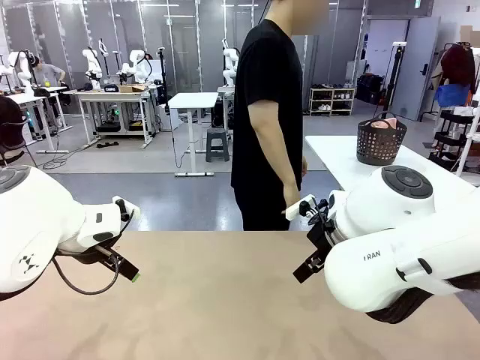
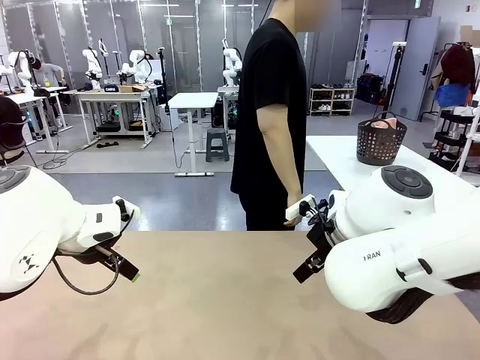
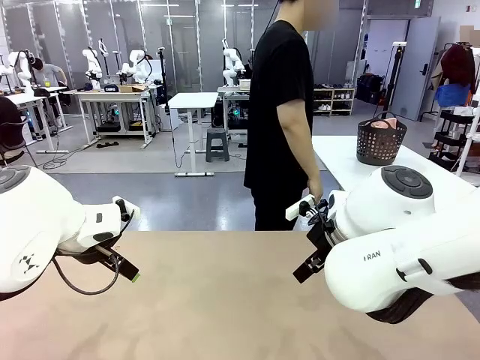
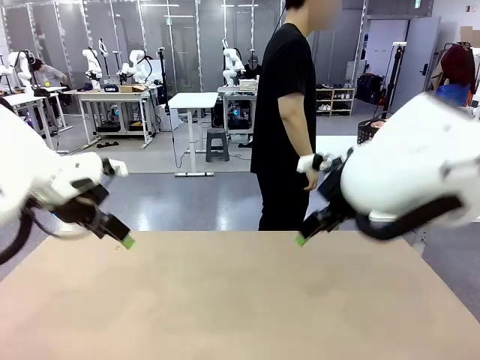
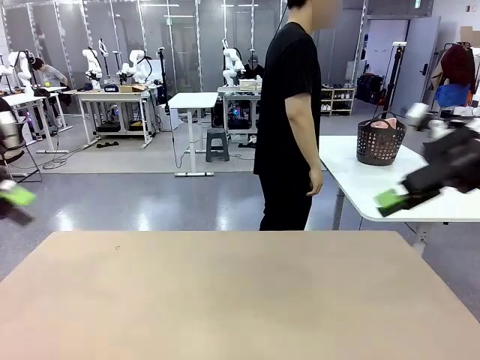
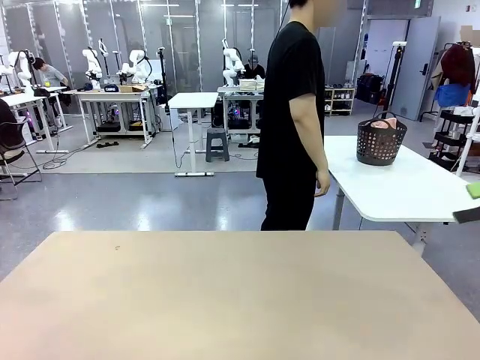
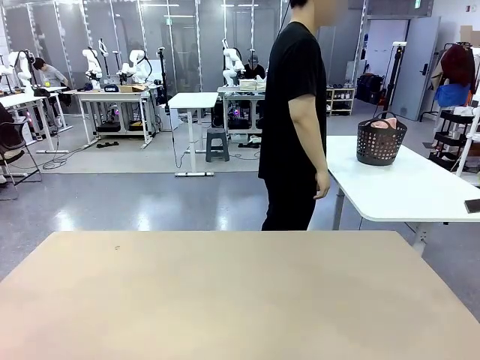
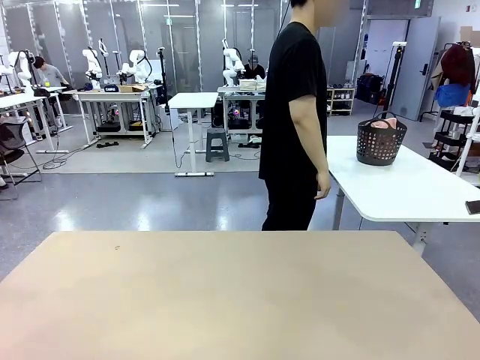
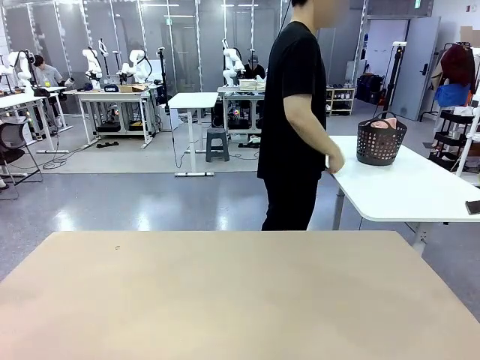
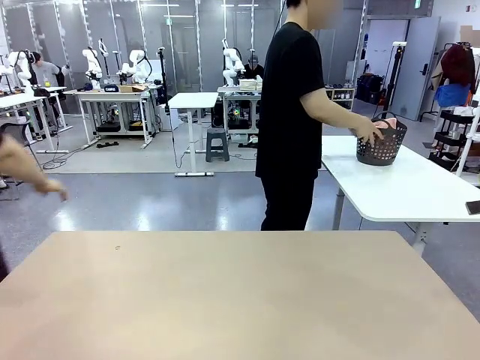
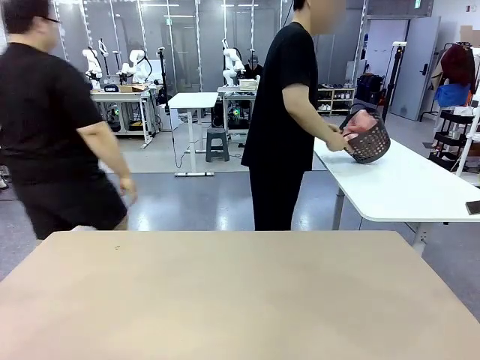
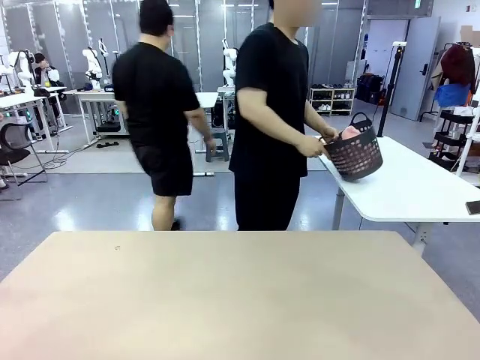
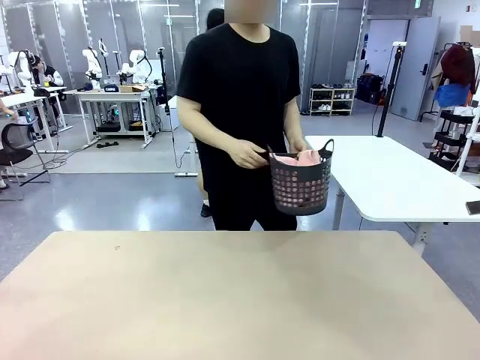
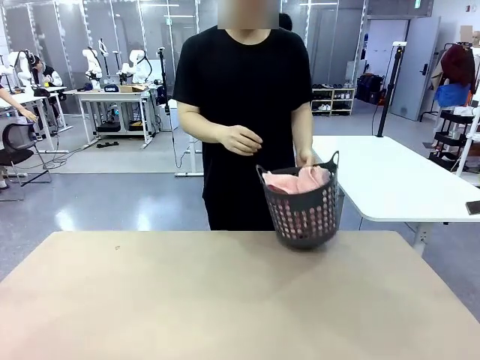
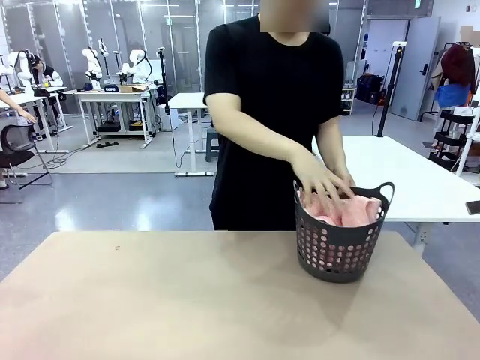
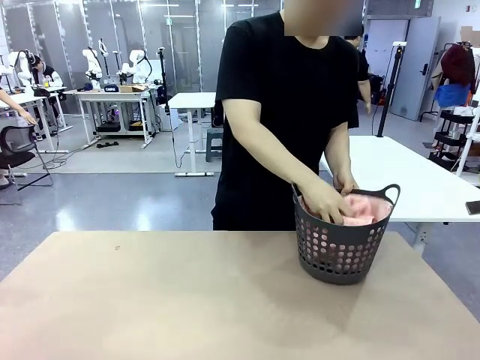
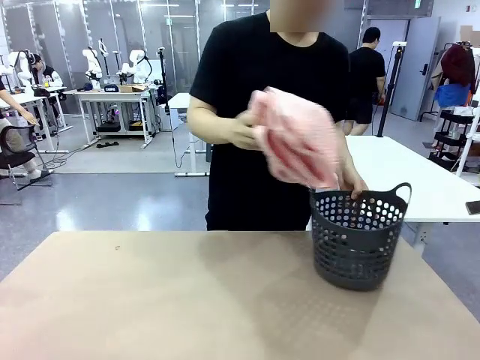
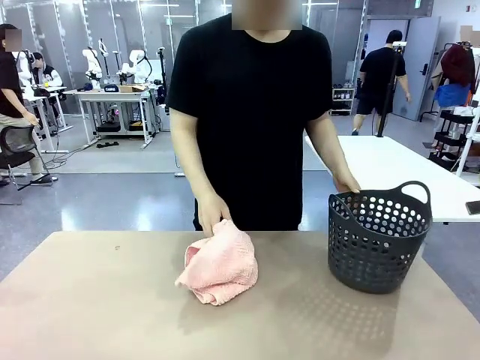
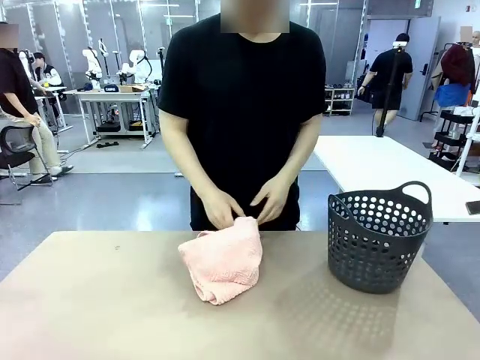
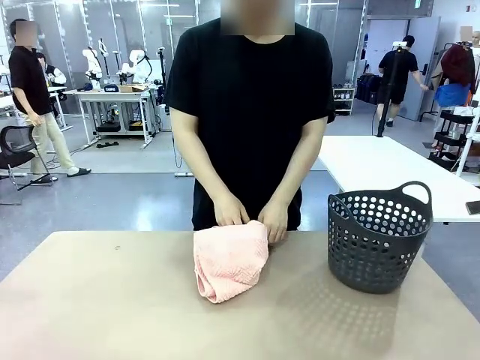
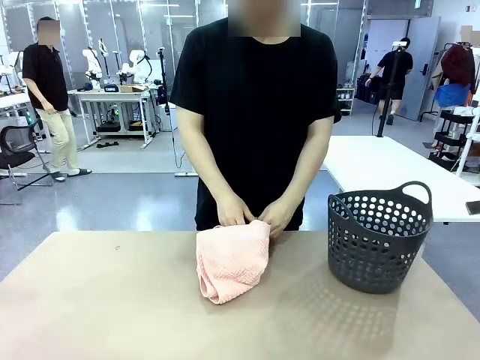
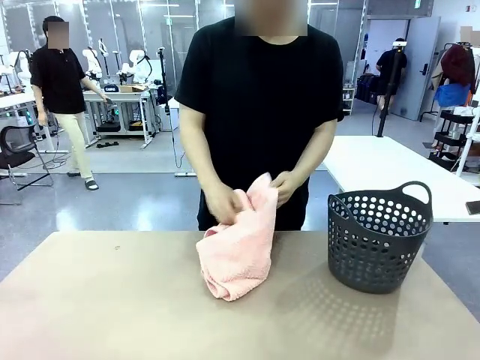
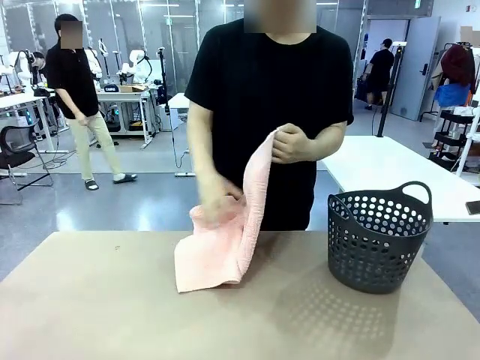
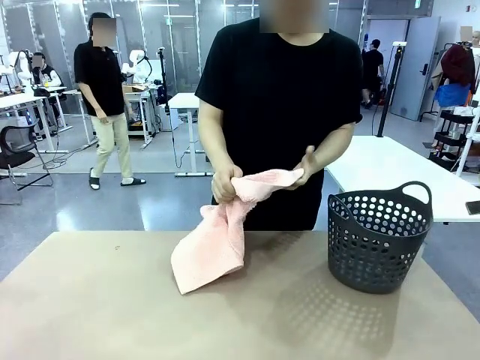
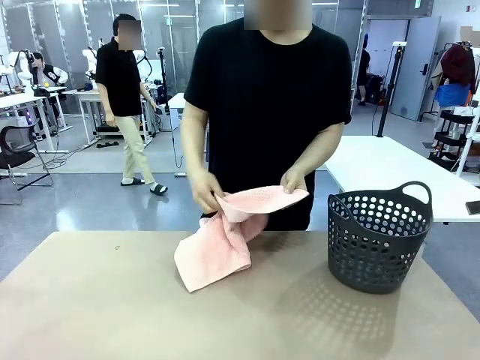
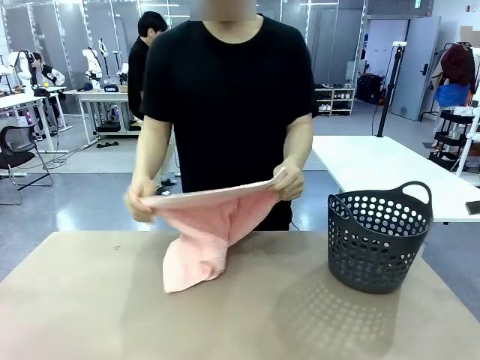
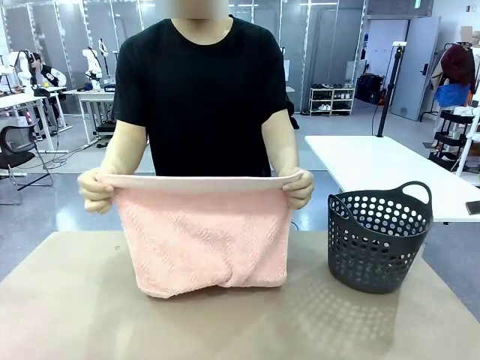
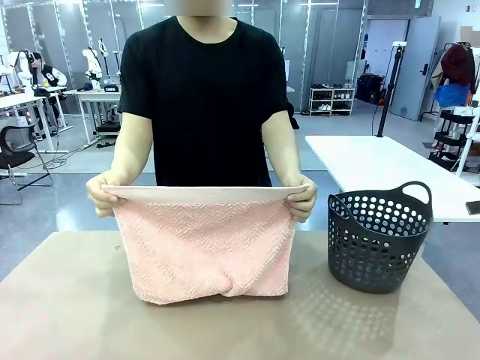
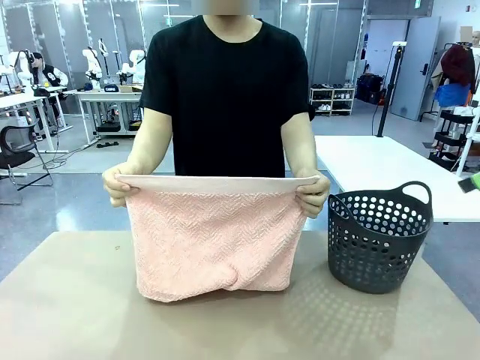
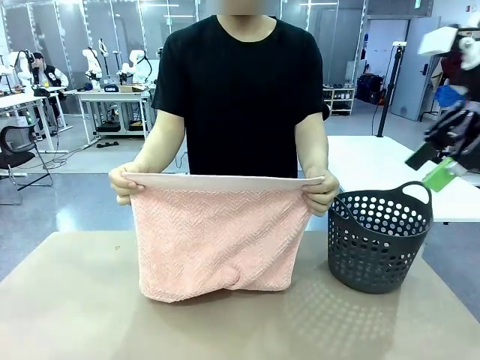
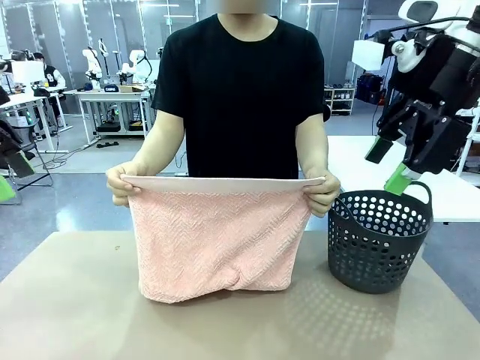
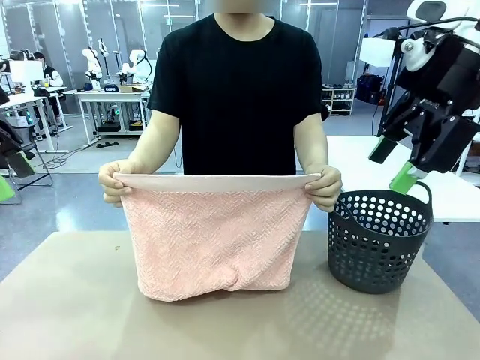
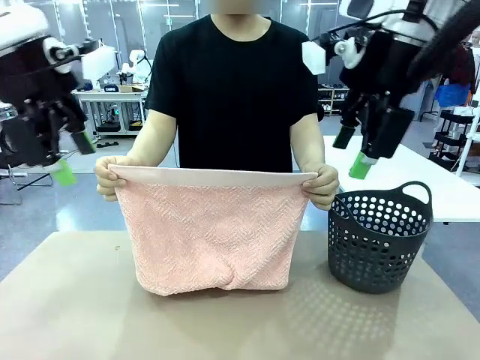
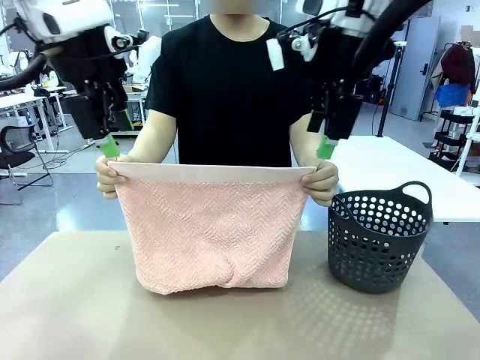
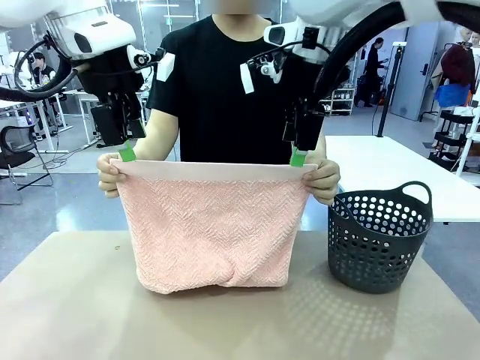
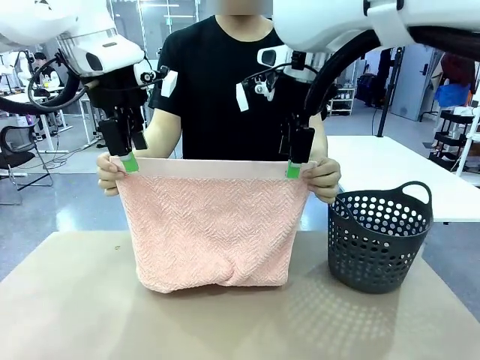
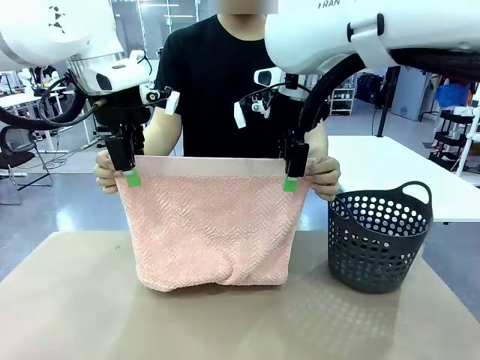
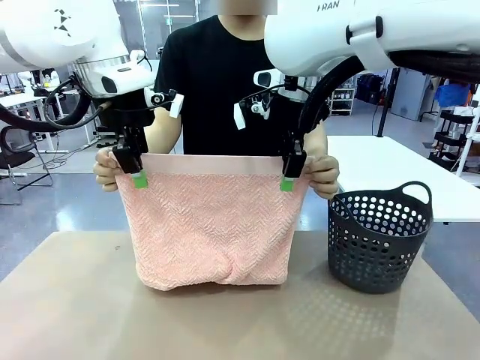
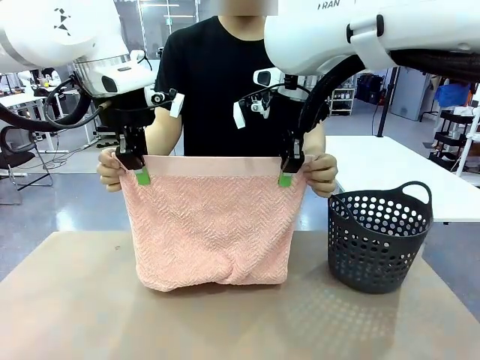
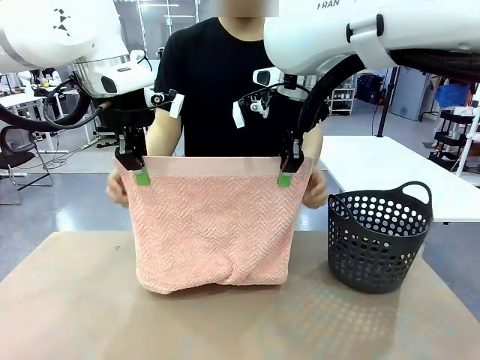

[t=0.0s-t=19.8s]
Task: Fold the towel.
Robot: Grab the top end of the 100 cm Hotel Towel extended by the human.
Person: Pick up the laundry basket, place it on the left side of the robot table, then take out a towel and hand it to the robot while holding both corners of one end.

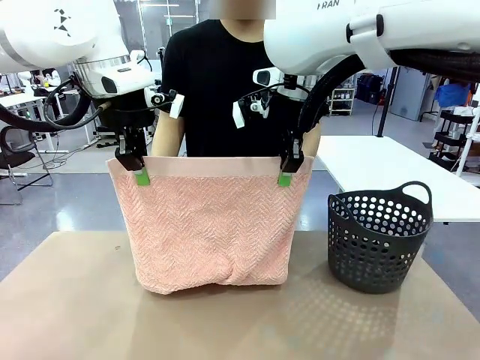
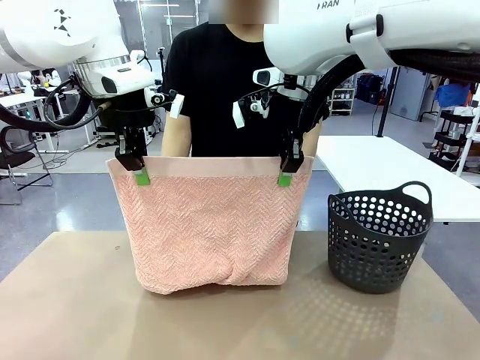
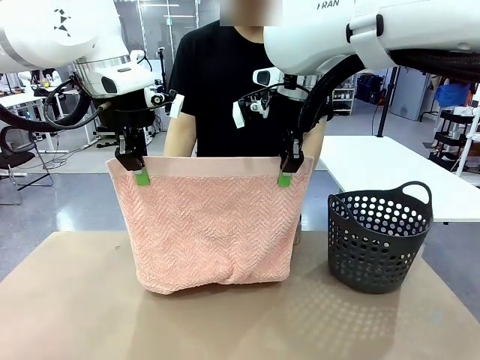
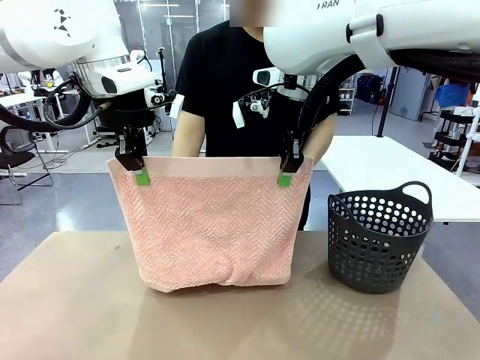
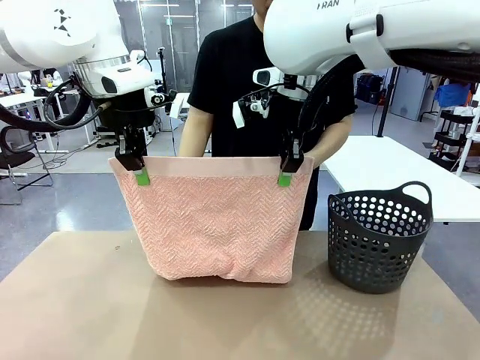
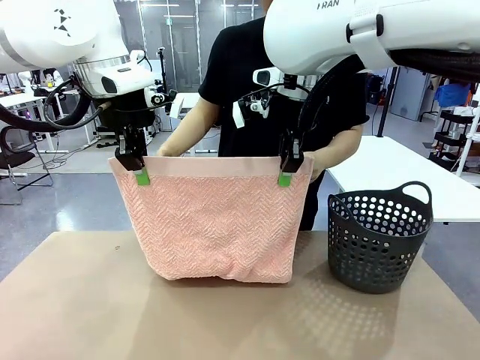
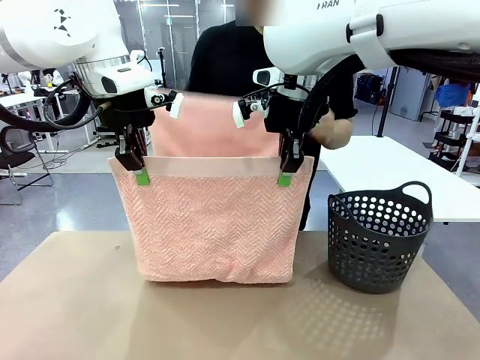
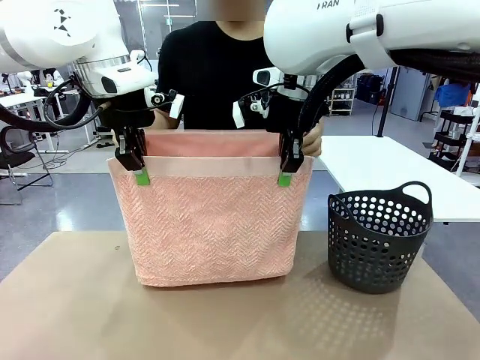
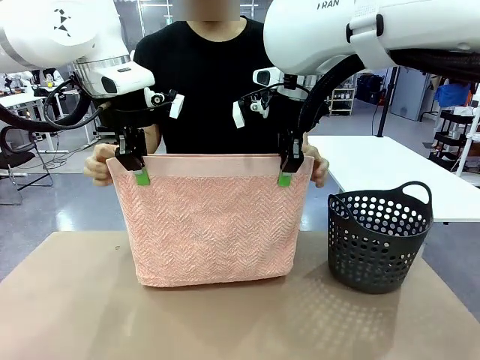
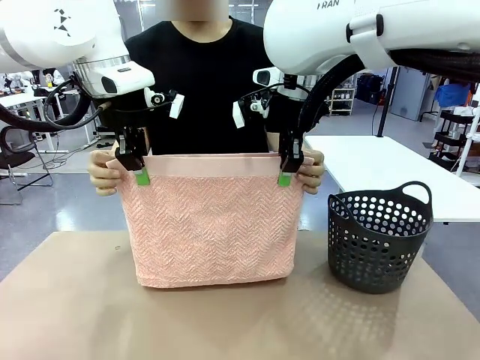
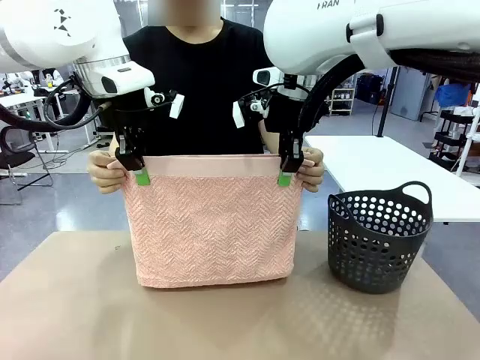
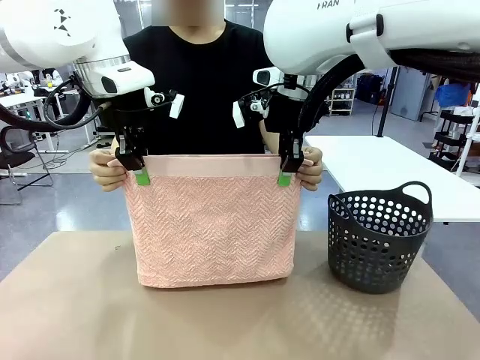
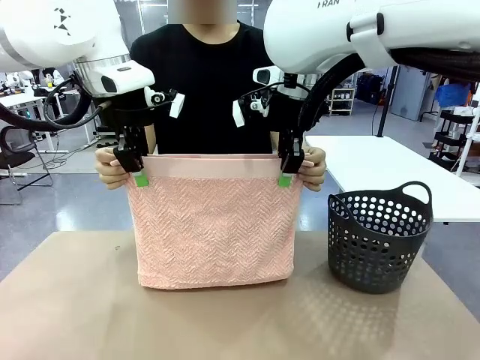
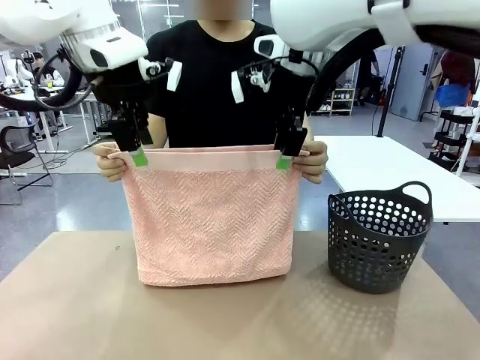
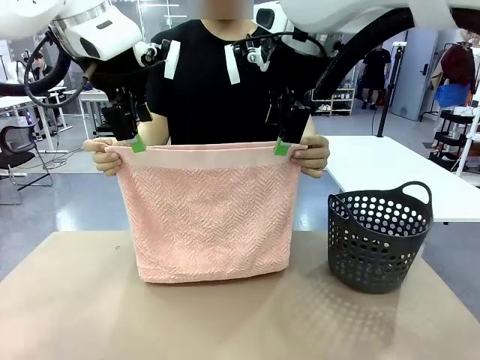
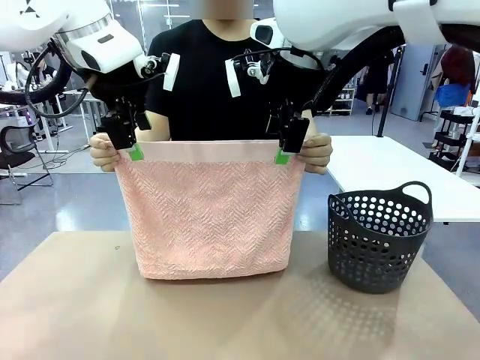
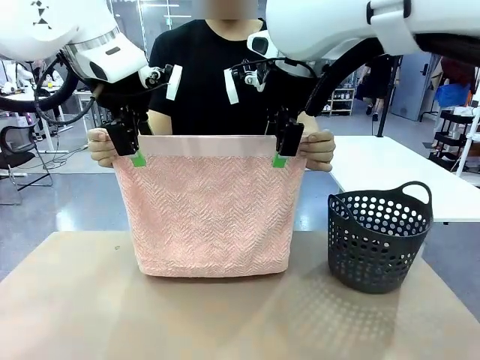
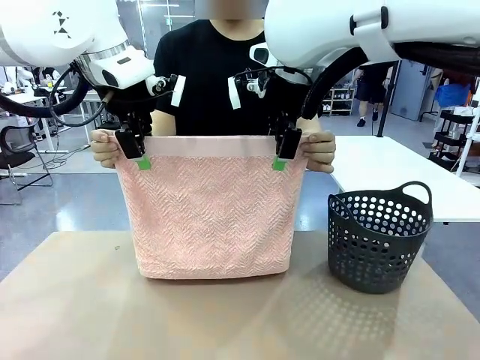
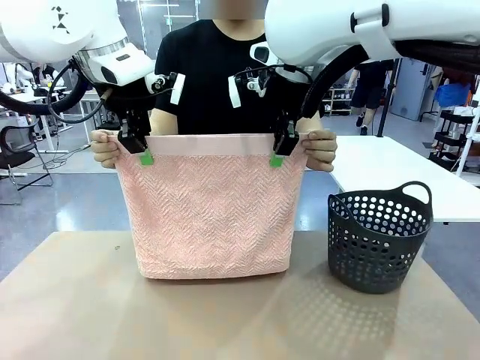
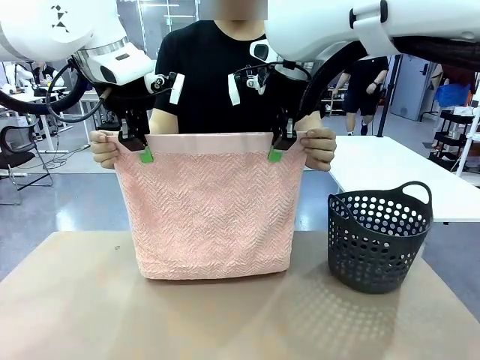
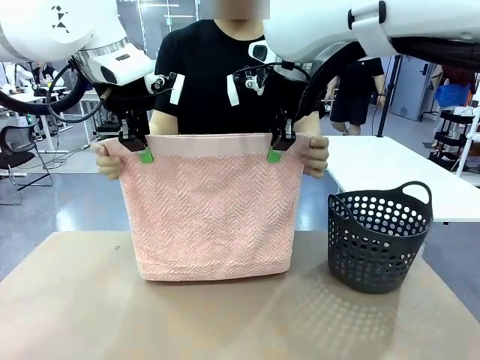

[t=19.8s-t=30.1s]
Robot: Release the end of the 100 cm Hotel Towel you were holding and grab the top end of the folded side.
Person: Using the point held by the robot as a reference, grasp the opposite end, fold the towel in half, and then hold both ends of the folded towel.
